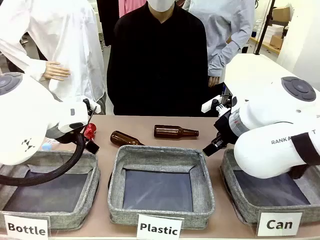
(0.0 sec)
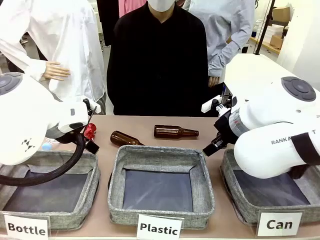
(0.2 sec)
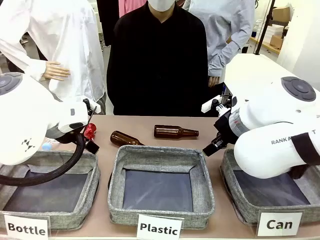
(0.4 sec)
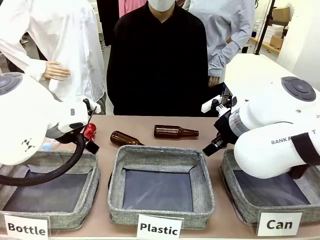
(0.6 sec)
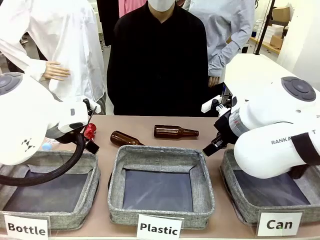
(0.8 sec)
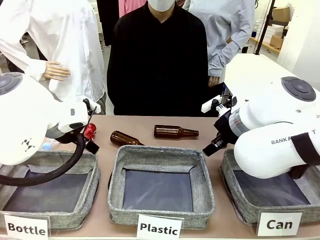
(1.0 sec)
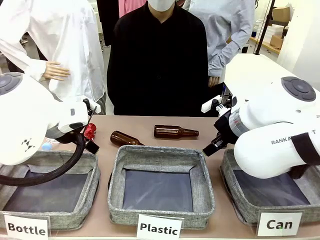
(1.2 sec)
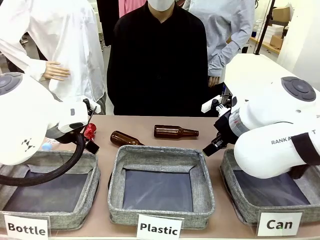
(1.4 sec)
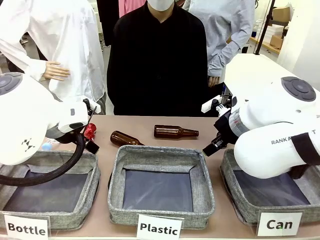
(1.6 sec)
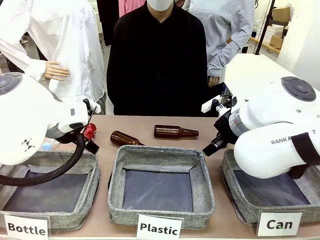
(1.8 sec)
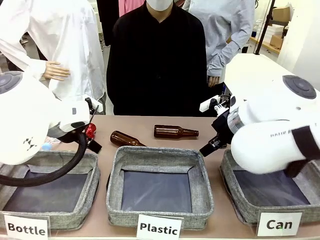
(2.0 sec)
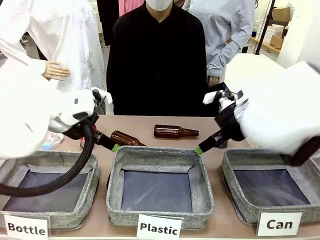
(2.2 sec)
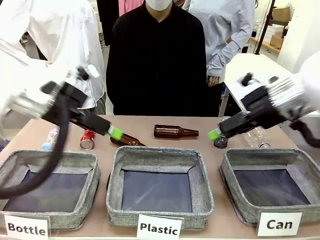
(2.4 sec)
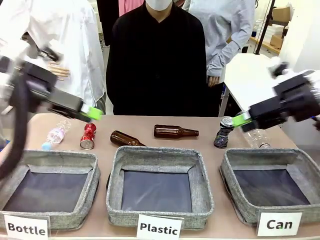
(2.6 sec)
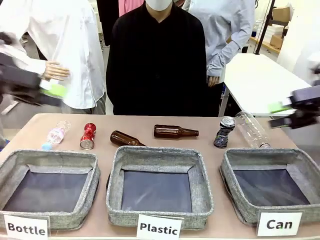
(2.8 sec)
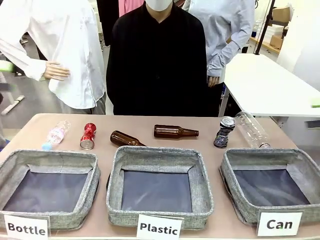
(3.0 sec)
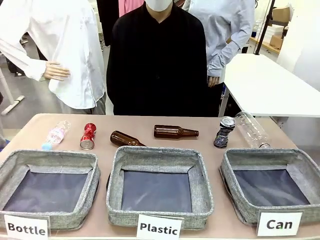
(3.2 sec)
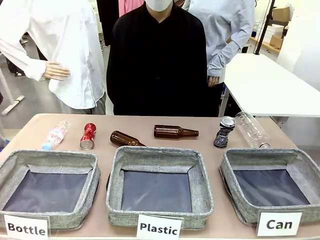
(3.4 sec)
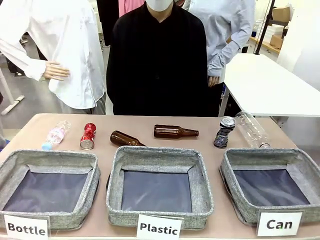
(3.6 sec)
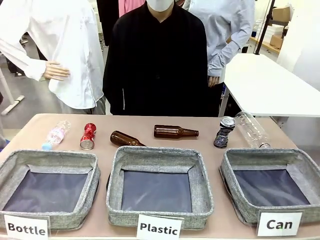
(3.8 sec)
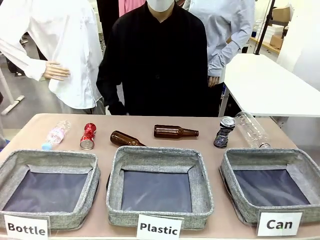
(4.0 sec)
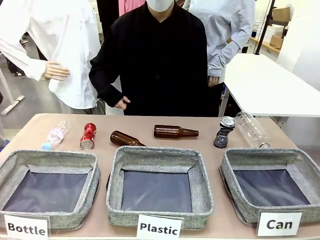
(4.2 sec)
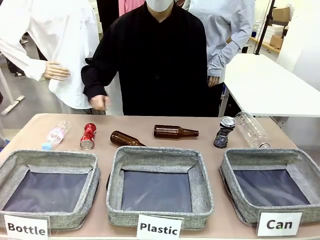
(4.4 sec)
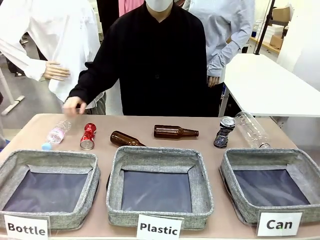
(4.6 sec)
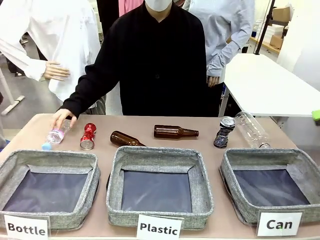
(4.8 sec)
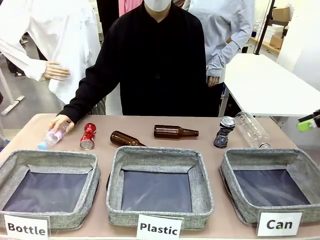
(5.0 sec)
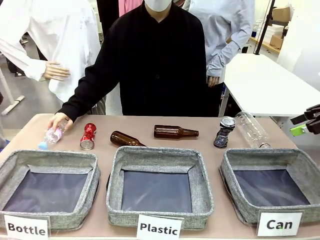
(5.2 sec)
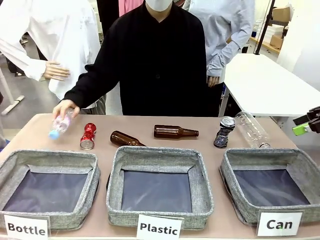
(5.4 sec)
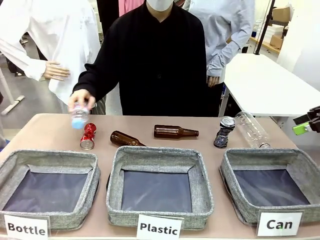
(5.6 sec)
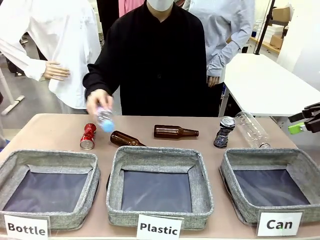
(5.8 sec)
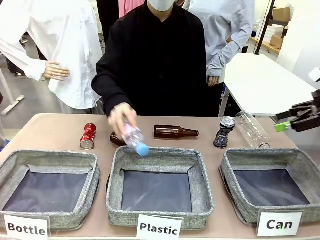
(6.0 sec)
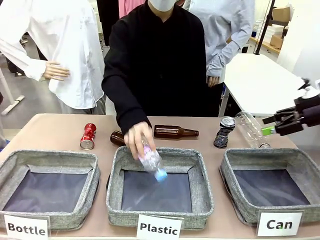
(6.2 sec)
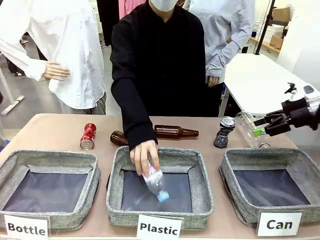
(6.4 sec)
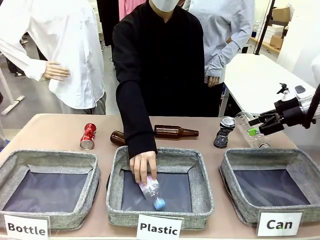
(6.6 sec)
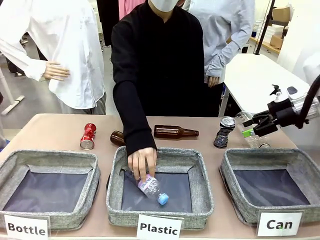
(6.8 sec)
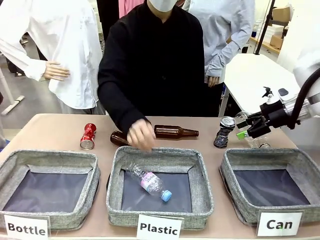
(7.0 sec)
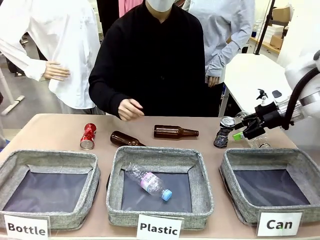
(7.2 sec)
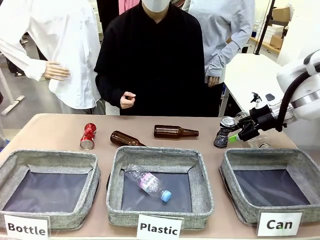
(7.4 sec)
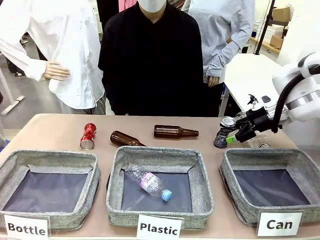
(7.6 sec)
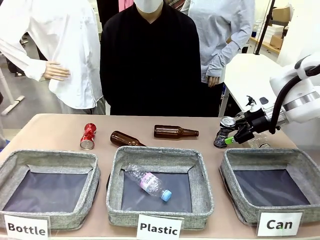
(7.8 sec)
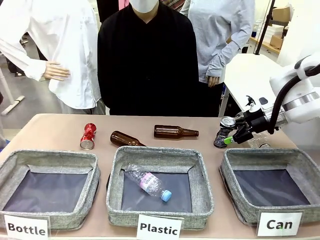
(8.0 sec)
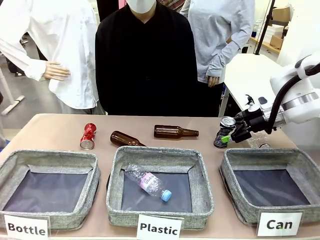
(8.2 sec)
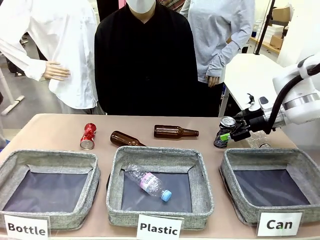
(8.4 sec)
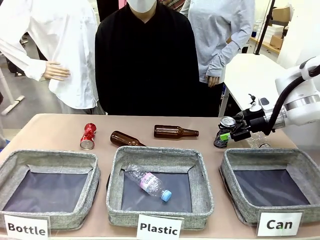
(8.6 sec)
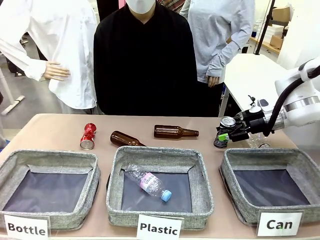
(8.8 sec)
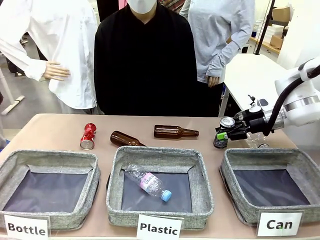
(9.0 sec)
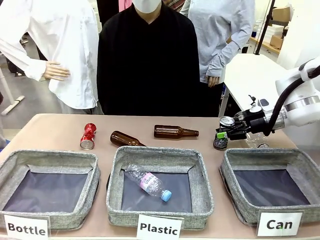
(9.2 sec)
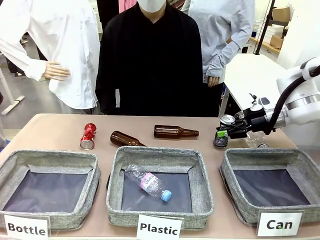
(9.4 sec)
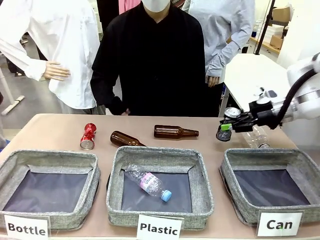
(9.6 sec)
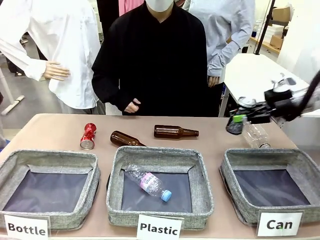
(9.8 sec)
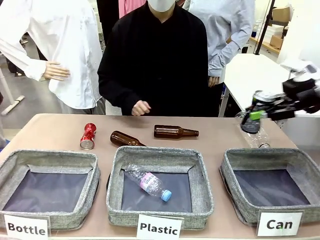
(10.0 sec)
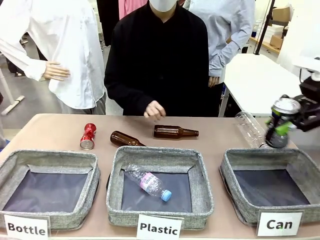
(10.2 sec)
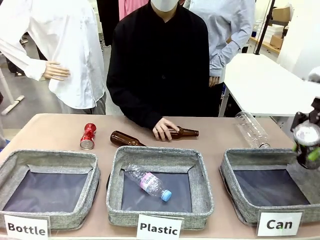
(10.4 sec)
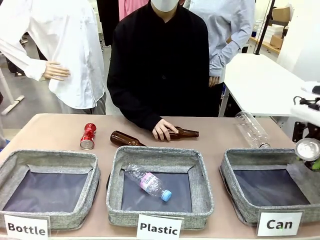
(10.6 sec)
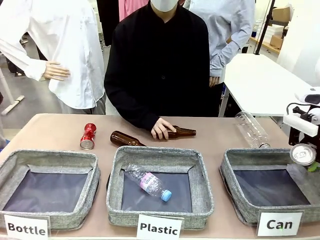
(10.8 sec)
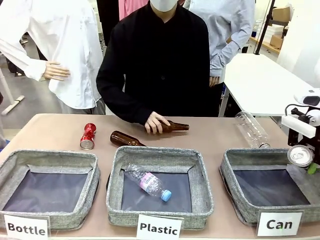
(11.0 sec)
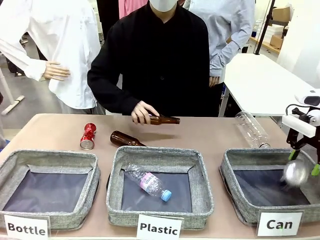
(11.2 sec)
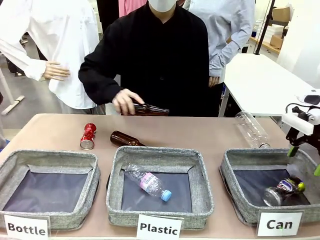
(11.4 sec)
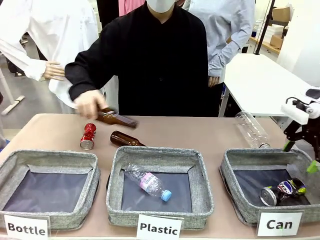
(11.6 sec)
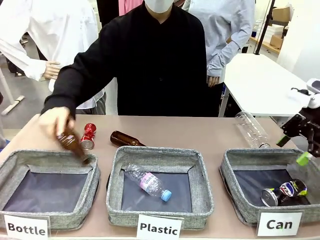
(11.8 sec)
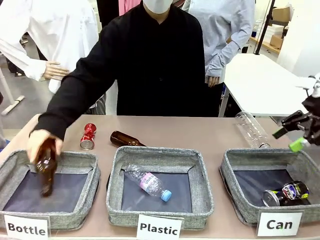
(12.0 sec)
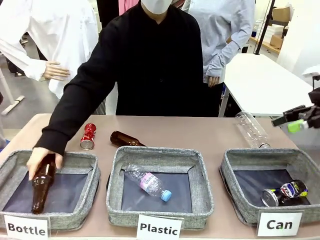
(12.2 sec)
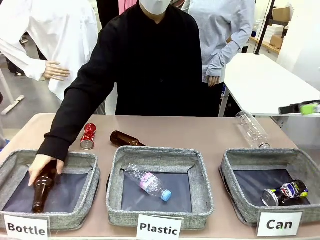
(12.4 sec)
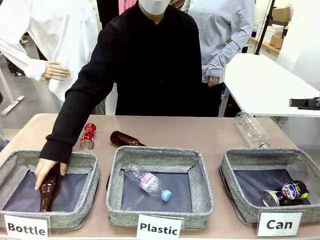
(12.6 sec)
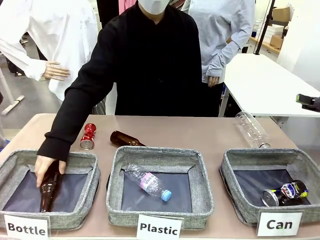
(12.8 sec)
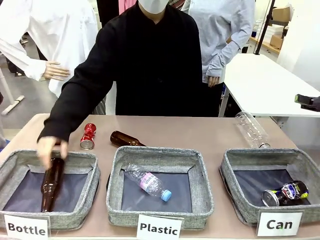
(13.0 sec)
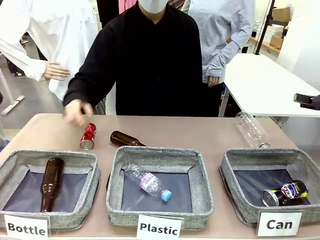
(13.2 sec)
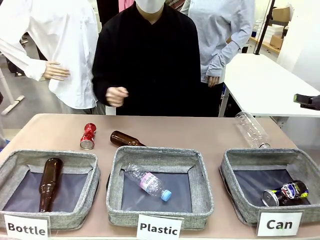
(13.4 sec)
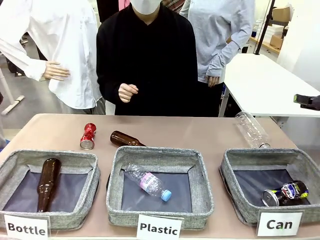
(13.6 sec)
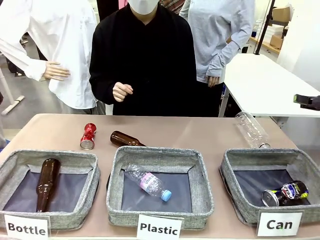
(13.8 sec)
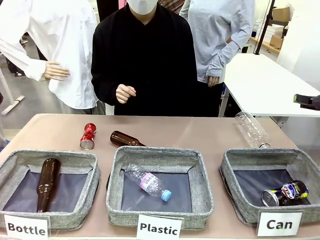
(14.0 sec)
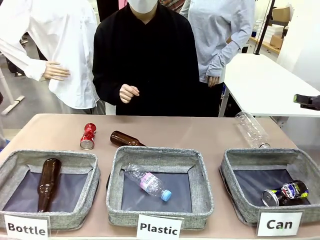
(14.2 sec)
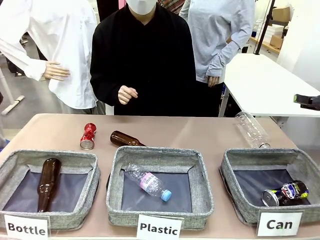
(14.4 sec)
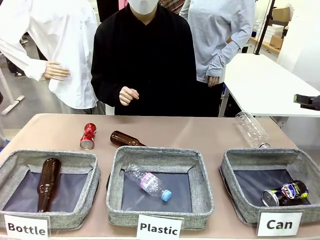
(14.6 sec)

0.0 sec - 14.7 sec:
Task: Sort the can waste into the basket.
Robot: Pick up the can waste from the table and place it in the right Fabric basket.

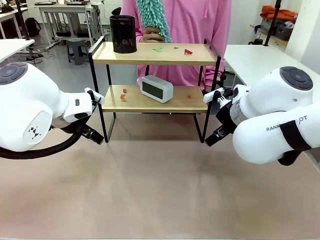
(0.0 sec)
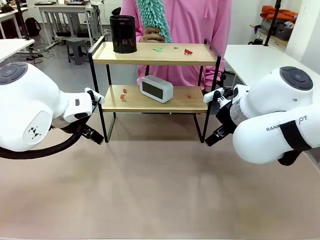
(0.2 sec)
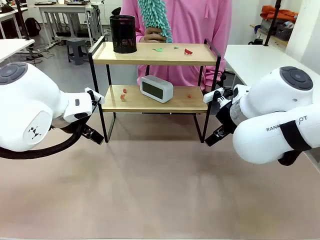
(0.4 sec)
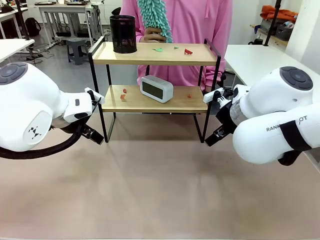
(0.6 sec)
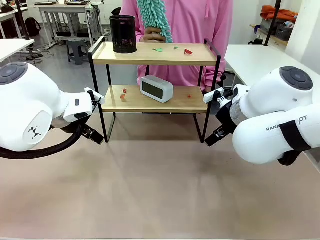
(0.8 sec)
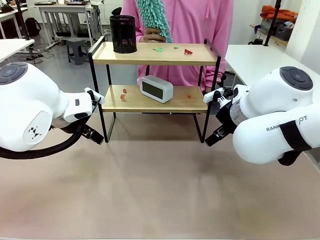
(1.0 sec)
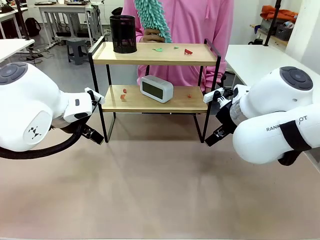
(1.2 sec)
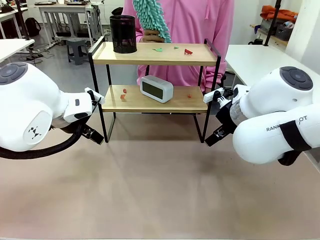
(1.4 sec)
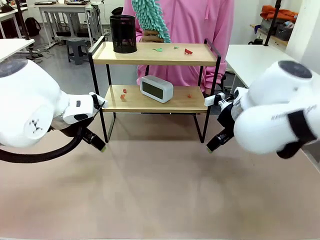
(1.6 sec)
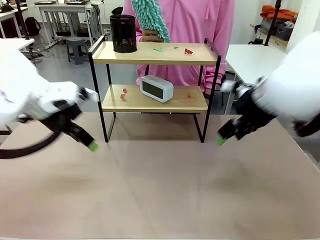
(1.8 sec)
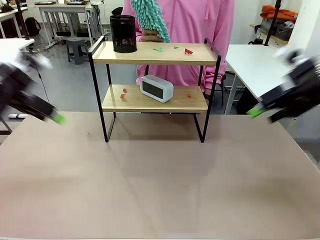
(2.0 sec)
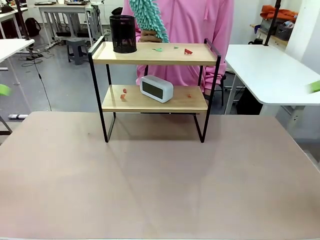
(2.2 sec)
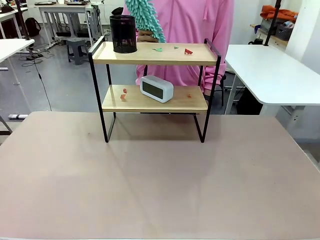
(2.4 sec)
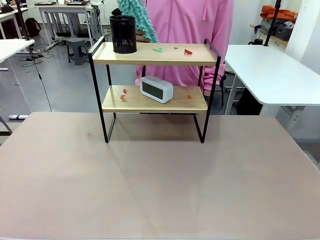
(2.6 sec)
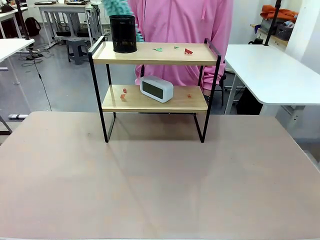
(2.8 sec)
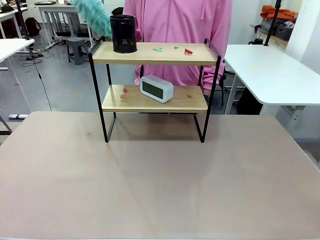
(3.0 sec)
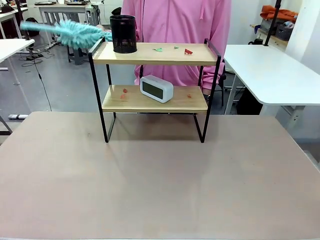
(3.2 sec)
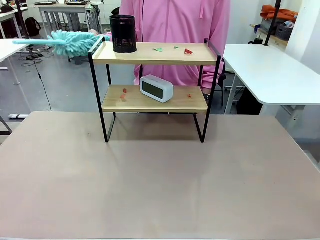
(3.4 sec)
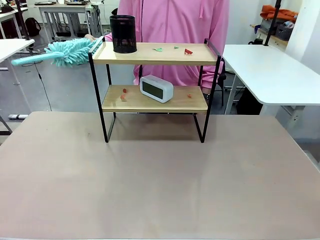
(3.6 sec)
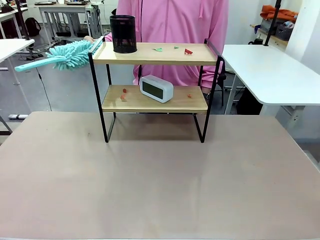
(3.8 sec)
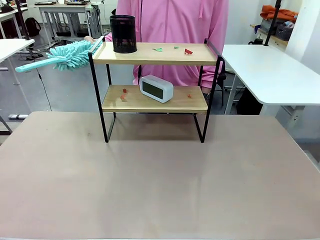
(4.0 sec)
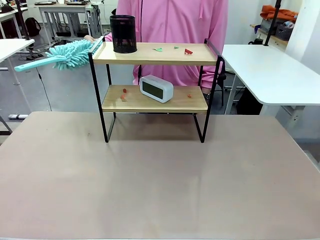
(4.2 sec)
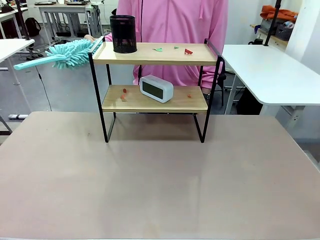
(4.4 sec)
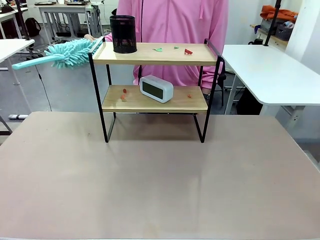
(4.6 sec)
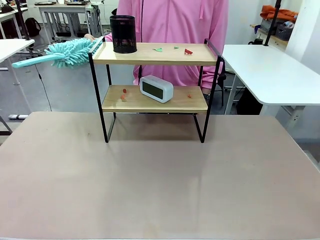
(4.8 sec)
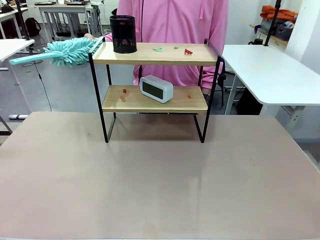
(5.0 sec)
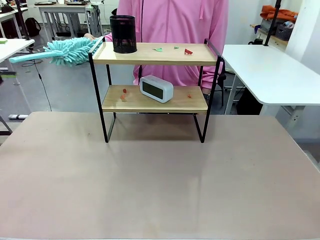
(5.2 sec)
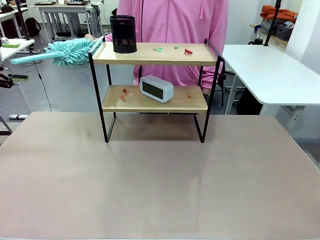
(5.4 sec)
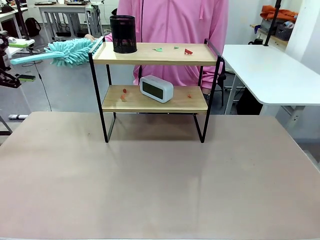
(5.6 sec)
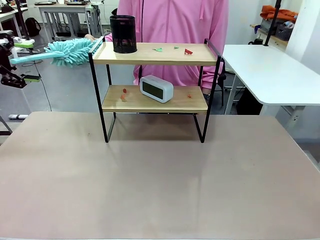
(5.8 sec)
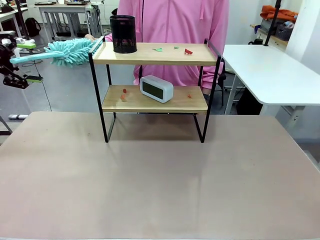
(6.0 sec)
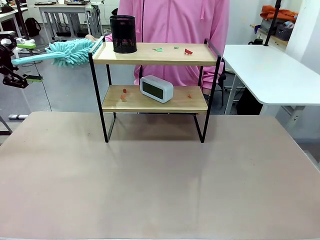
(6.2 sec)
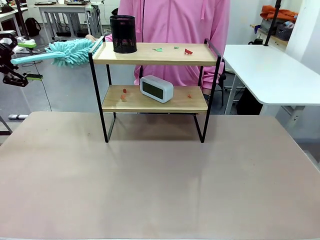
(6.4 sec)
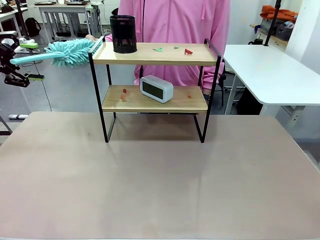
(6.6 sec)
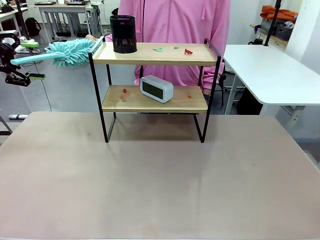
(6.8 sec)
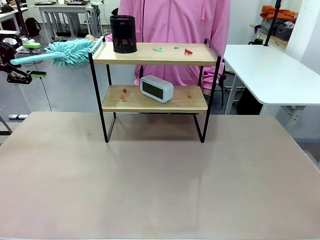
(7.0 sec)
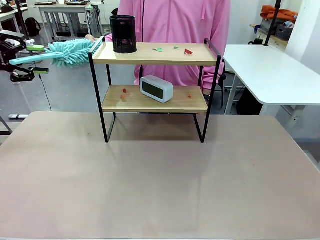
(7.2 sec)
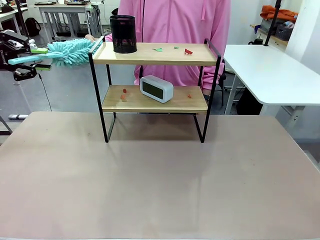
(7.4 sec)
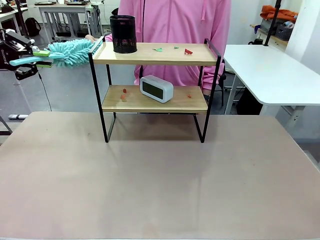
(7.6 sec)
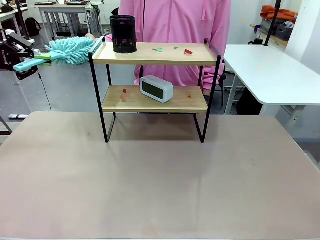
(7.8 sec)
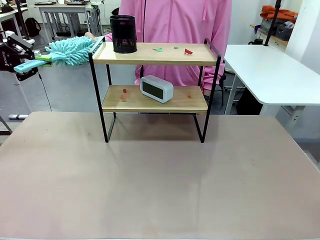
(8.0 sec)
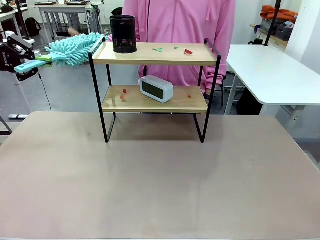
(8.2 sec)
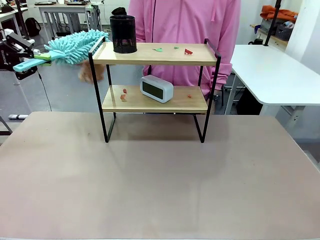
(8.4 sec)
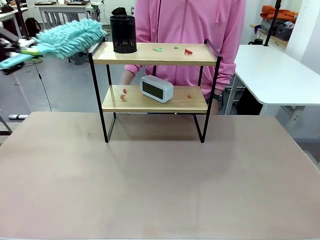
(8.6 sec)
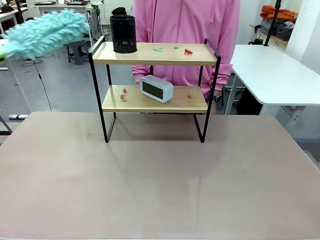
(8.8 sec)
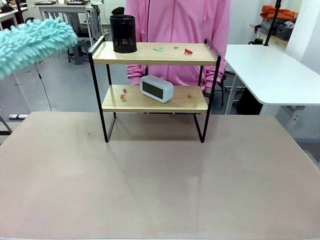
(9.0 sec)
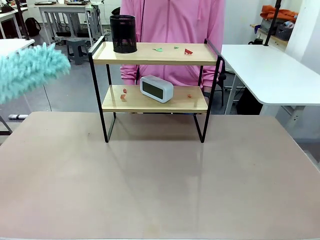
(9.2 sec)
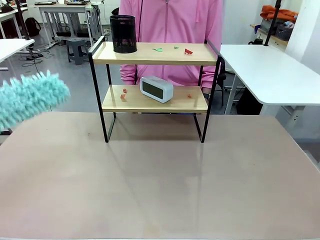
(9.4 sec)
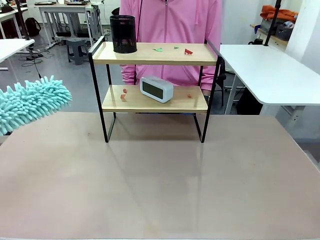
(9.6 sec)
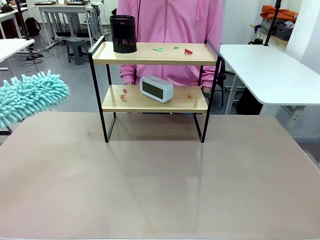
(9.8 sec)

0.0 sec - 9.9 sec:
Task: Clean the shelf.
Robot: Pick up the Duster from the human.
Person: Hand the Duster to the robot.
